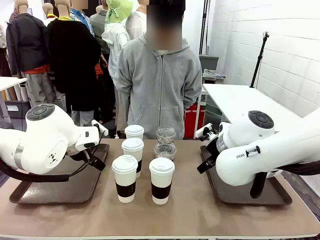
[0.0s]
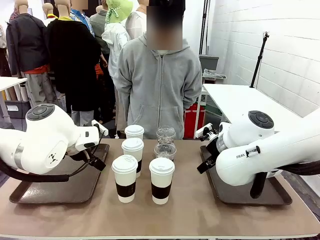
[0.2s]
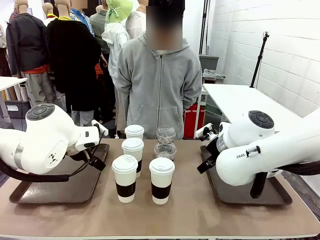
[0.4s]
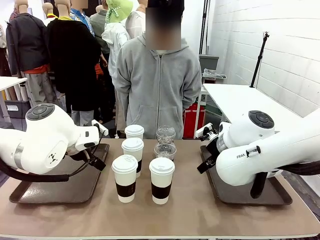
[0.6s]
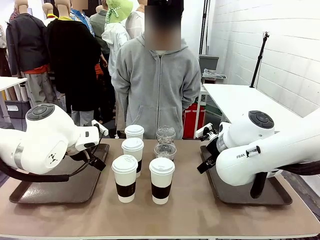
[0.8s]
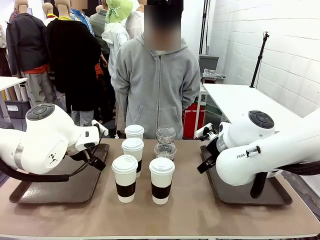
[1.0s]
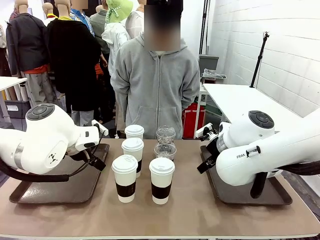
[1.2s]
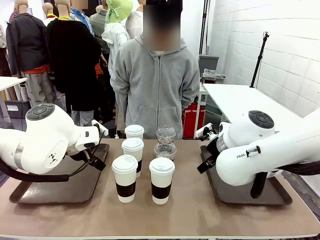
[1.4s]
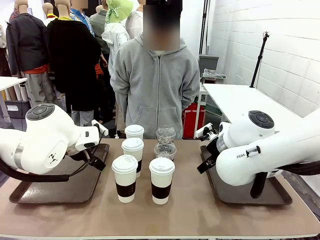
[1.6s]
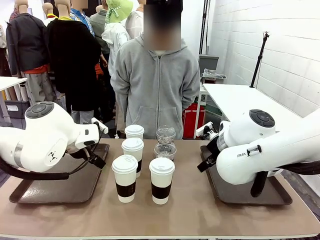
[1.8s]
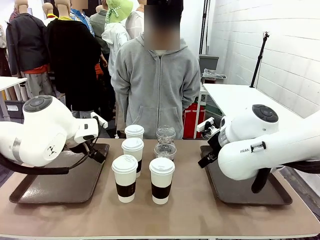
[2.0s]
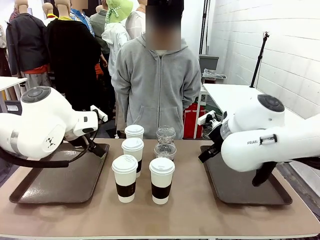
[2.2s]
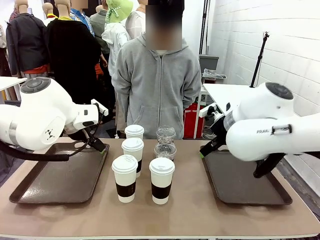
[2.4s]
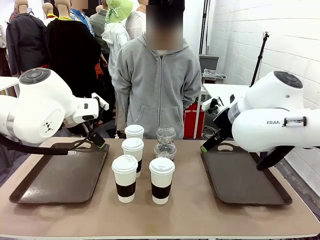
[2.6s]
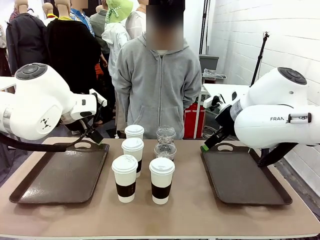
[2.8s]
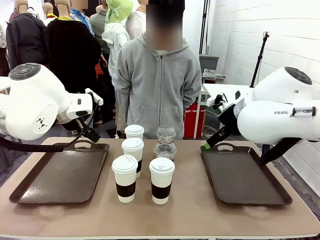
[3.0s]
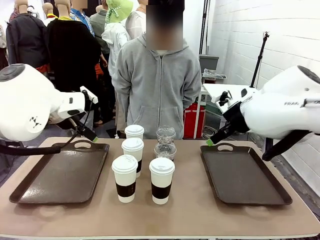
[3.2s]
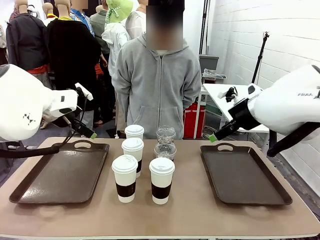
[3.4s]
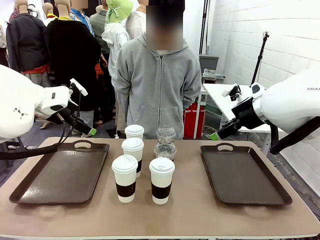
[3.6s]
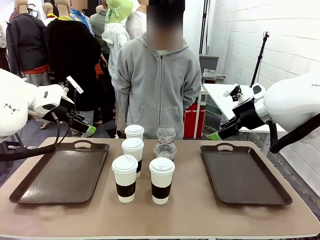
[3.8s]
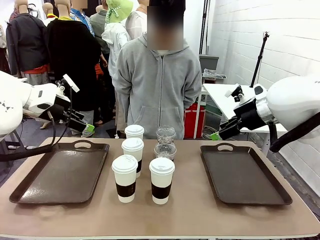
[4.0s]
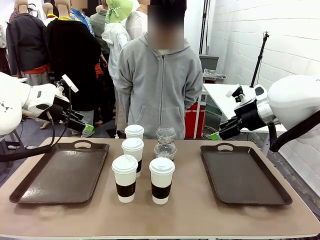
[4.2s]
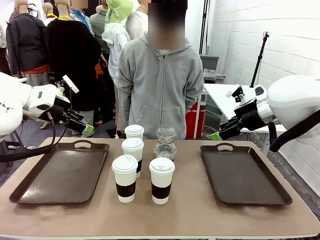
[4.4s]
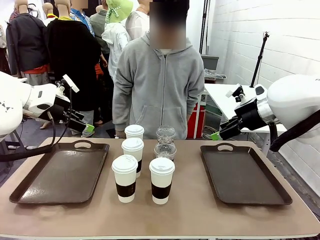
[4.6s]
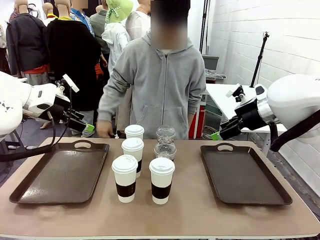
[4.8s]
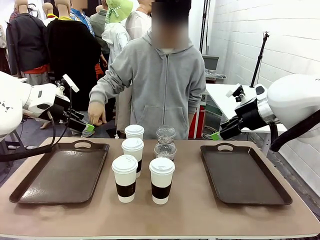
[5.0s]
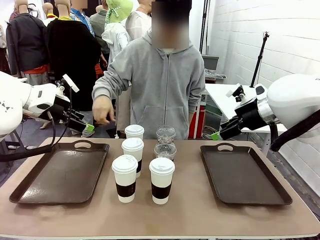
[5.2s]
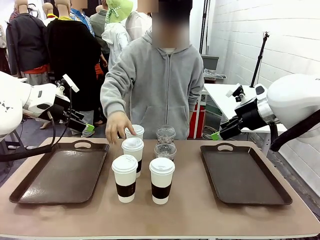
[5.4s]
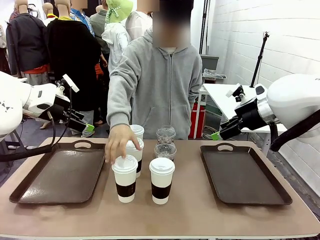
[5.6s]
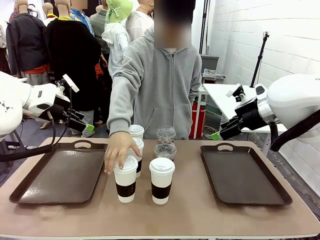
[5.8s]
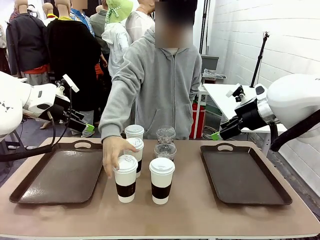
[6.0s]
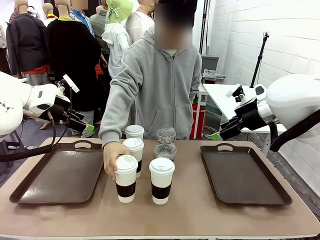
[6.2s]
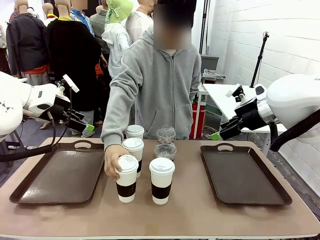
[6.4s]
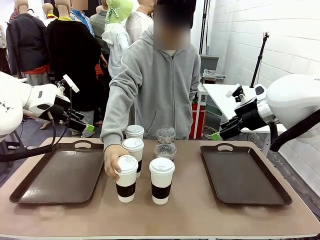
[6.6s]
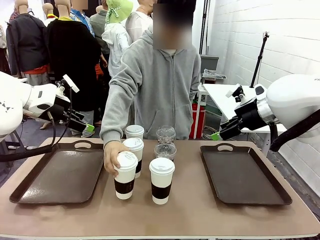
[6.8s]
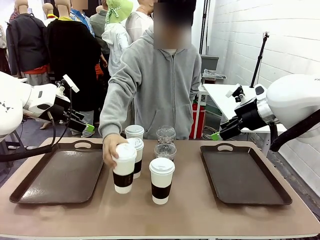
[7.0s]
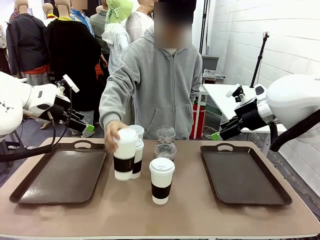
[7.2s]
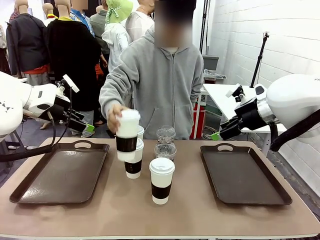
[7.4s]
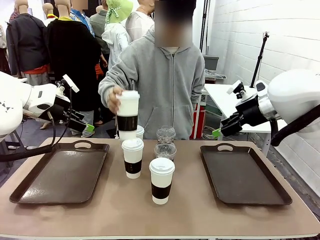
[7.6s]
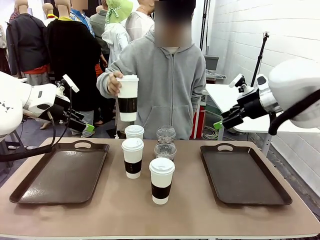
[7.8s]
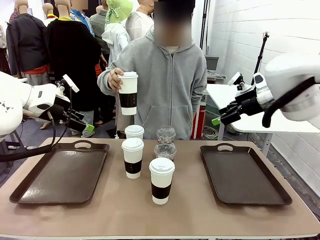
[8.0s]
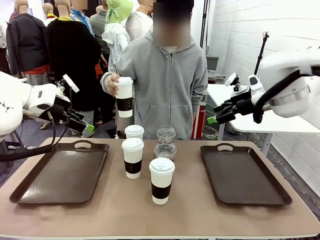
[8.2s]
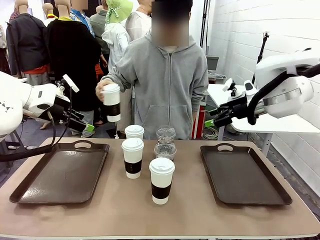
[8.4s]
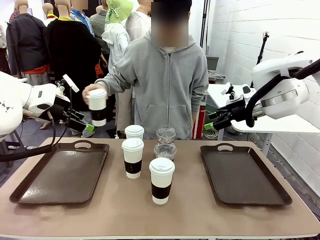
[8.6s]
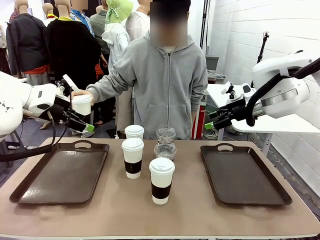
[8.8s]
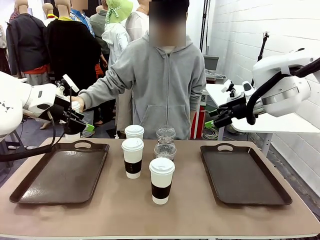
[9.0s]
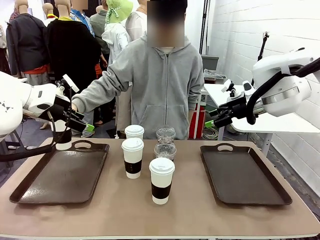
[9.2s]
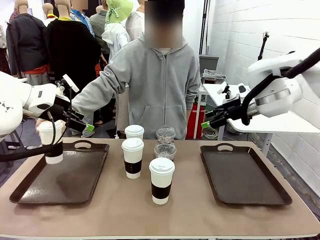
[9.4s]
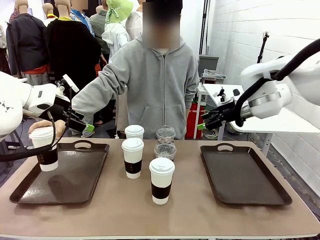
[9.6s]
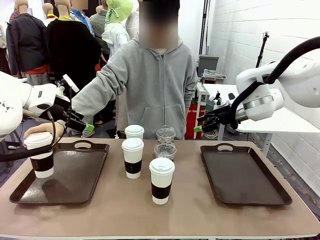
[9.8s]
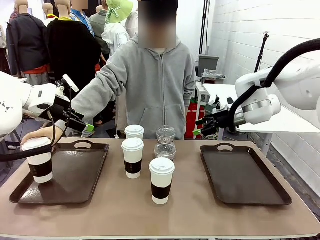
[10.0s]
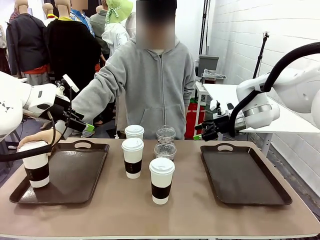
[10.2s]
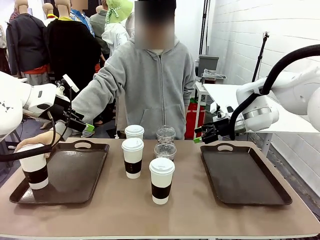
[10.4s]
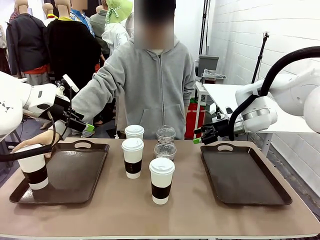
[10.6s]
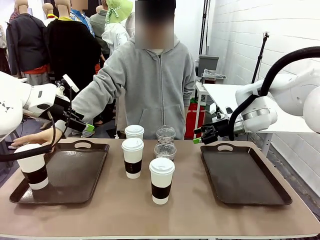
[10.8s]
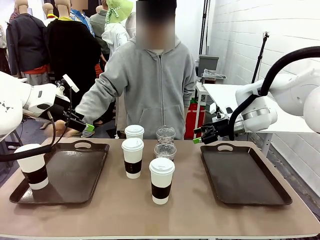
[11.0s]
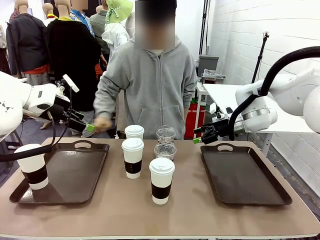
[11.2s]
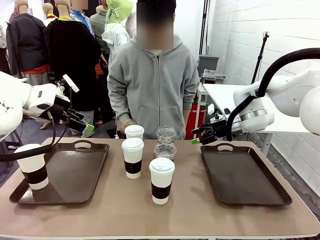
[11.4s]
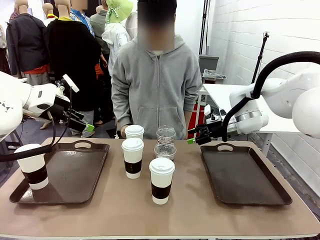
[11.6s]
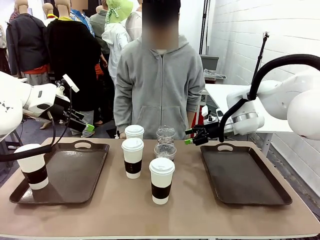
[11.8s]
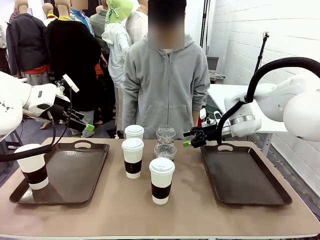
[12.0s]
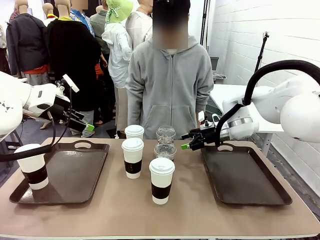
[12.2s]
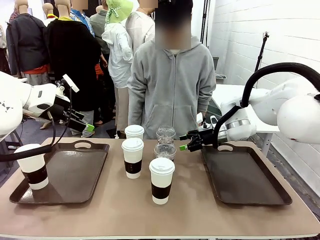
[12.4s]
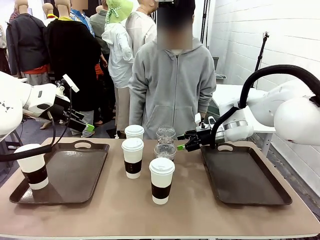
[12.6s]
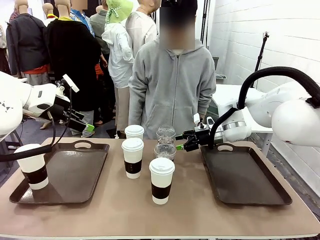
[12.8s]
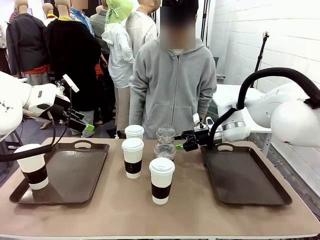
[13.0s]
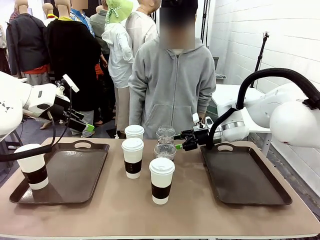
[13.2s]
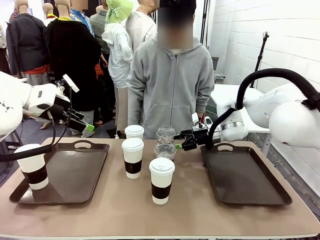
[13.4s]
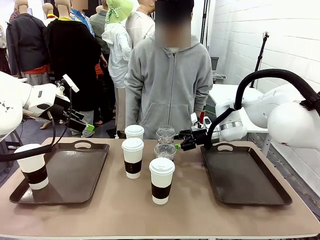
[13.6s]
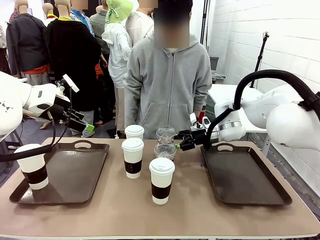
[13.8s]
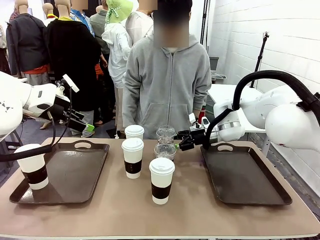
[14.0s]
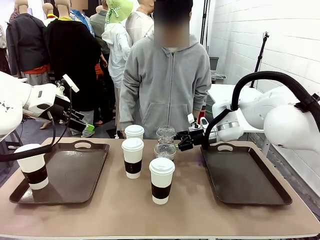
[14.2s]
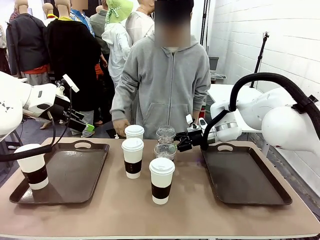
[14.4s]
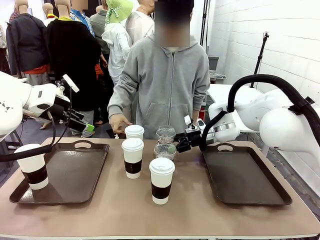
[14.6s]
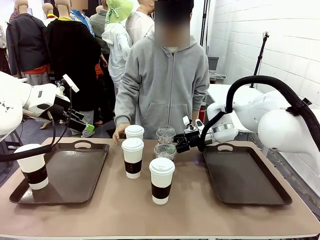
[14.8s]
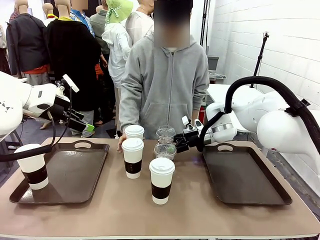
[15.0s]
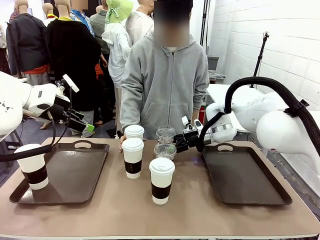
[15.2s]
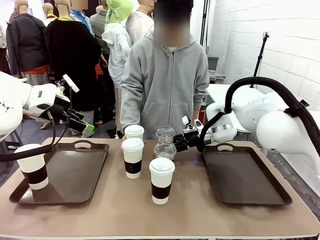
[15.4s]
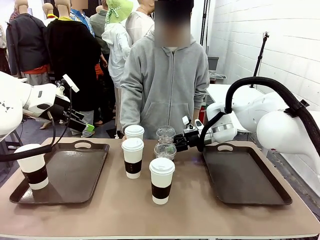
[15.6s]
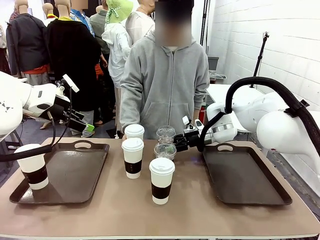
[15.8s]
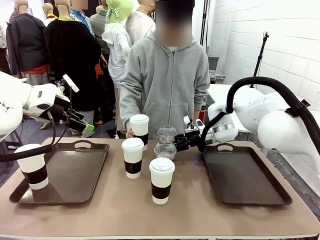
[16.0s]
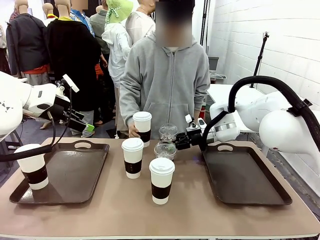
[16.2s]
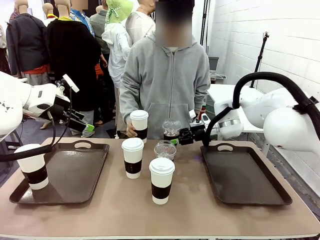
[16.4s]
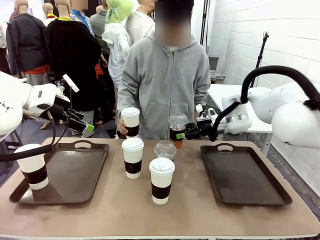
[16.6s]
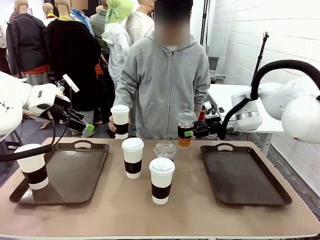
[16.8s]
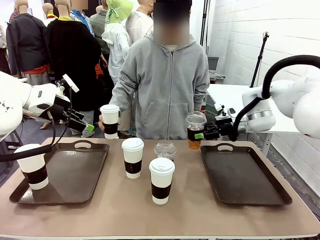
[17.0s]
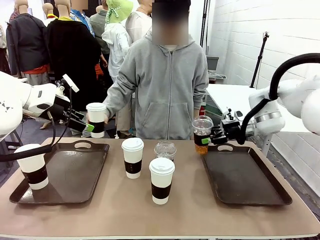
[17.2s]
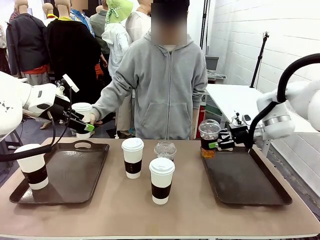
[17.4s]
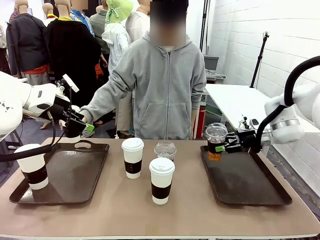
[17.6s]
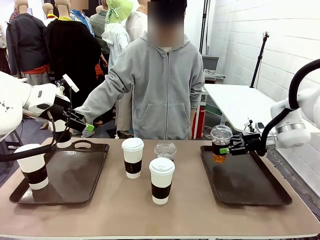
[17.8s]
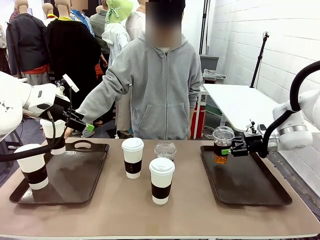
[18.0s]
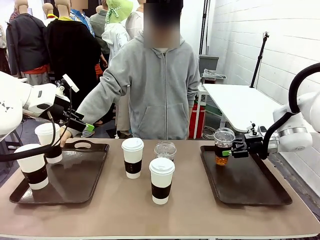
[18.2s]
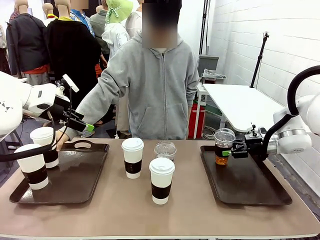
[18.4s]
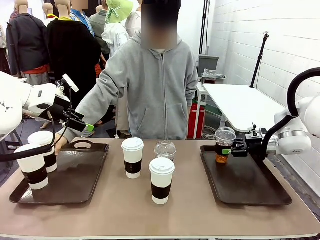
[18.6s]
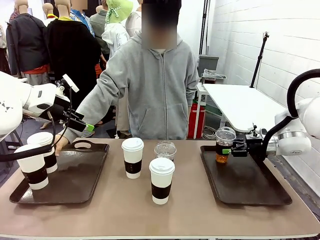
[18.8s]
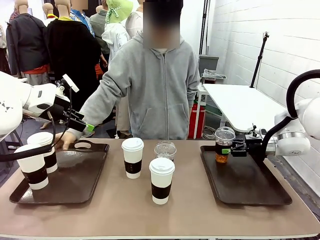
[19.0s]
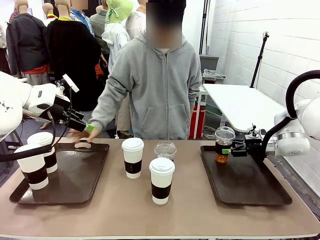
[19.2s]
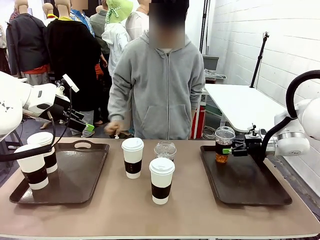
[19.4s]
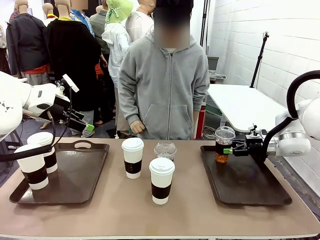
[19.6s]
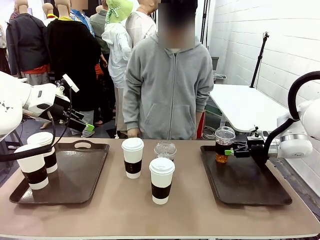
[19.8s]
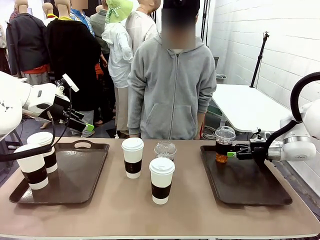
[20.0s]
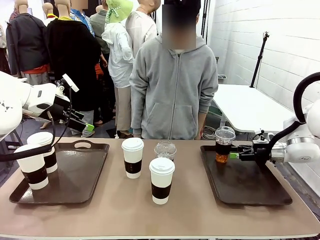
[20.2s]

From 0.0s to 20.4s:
Task: Distribute the coffee onto the tray.
Robot: Pick up one iced Americano and place it on the right Handle tray.
Person: Pick up a cup of hot Americano and place it on the right tray.
